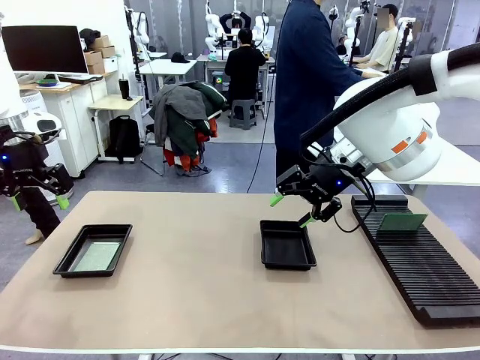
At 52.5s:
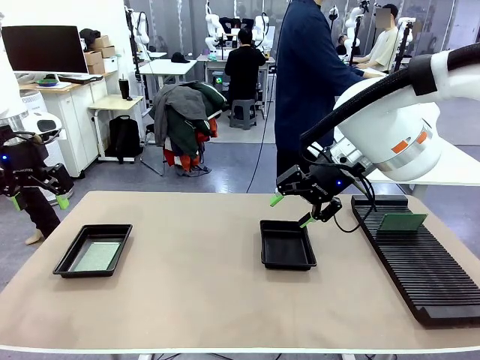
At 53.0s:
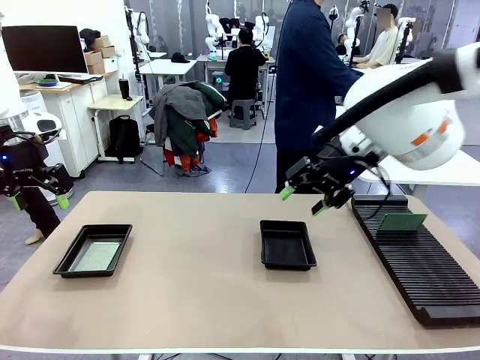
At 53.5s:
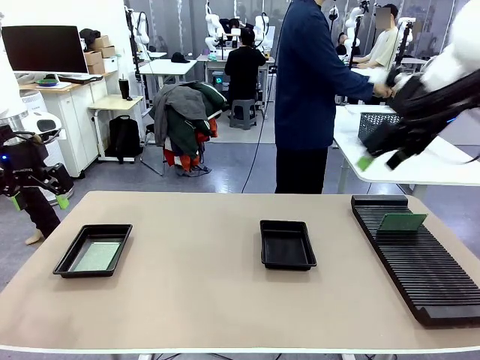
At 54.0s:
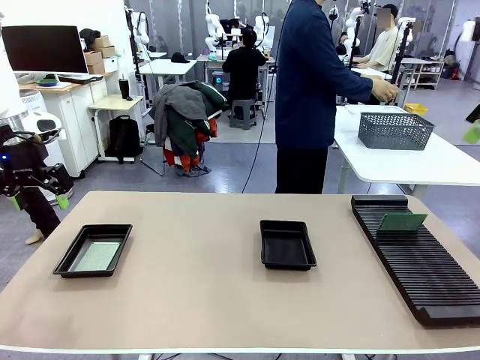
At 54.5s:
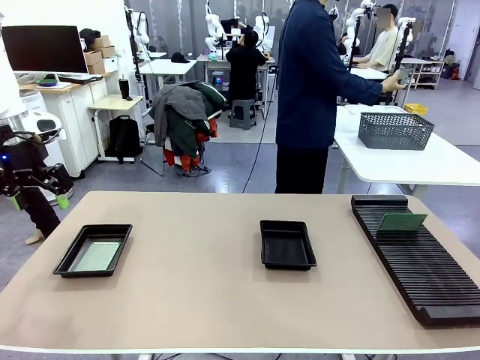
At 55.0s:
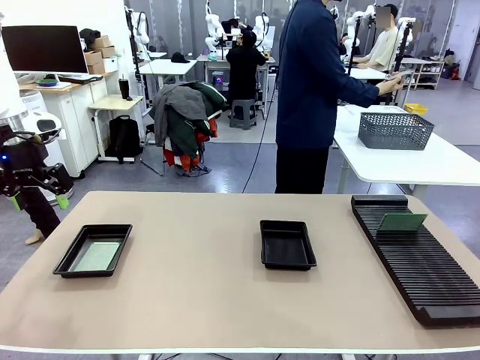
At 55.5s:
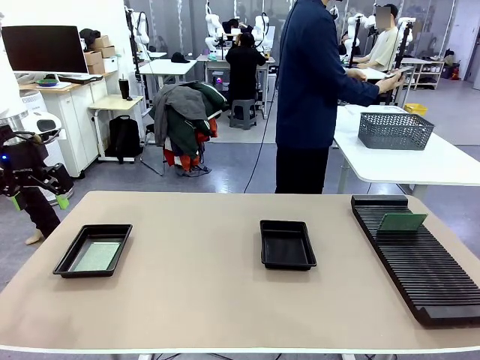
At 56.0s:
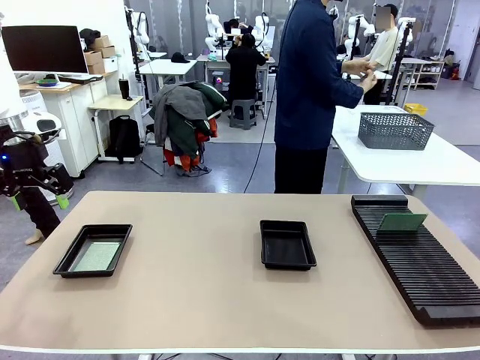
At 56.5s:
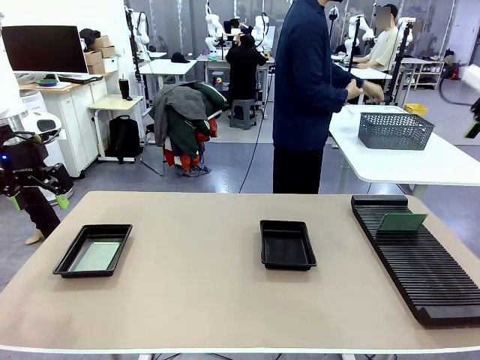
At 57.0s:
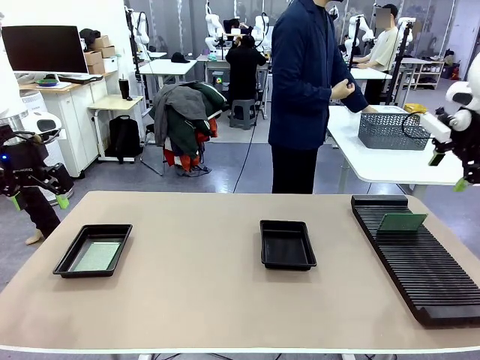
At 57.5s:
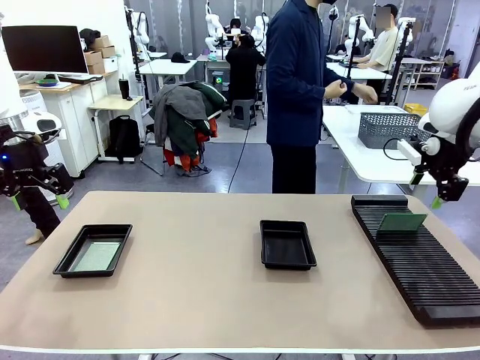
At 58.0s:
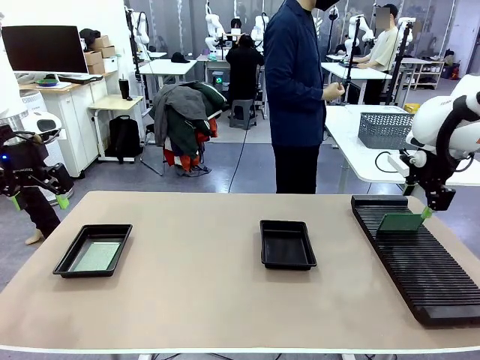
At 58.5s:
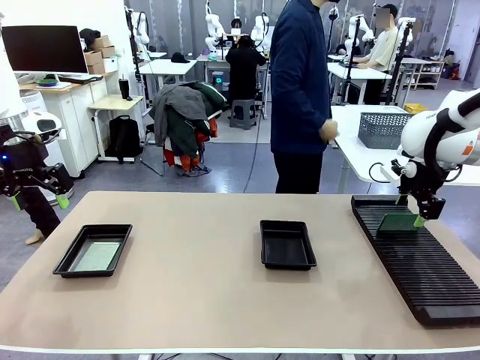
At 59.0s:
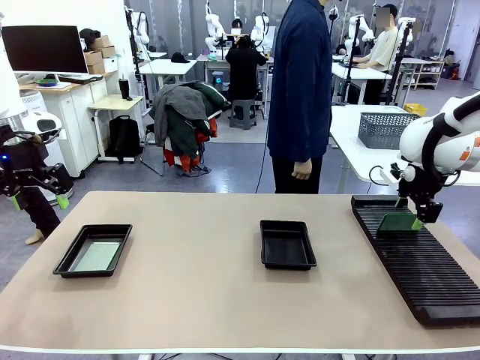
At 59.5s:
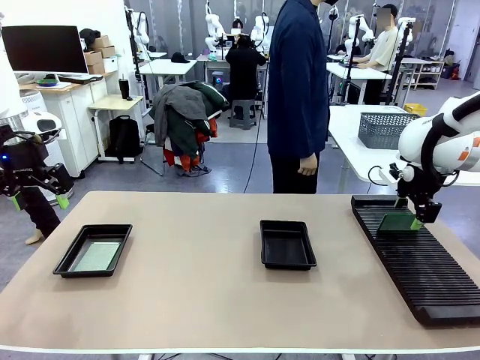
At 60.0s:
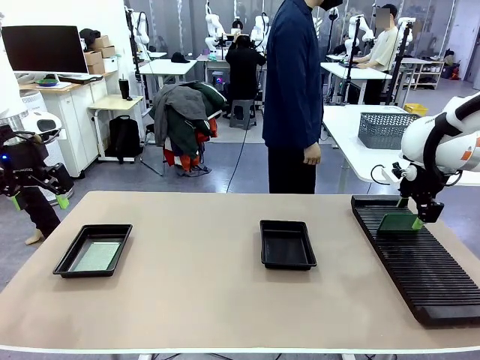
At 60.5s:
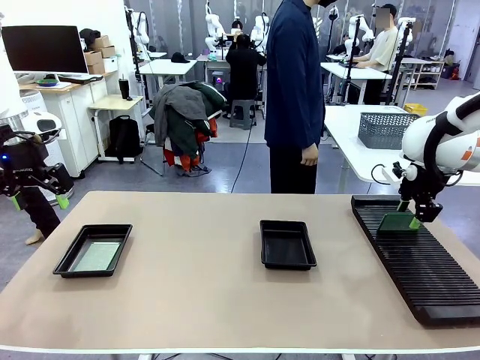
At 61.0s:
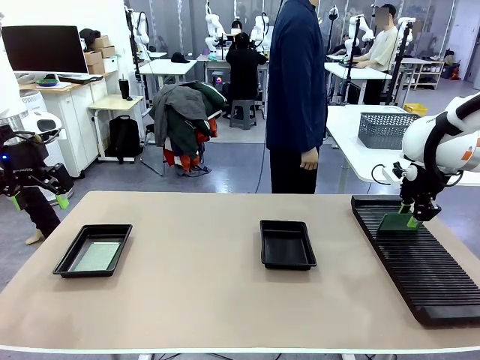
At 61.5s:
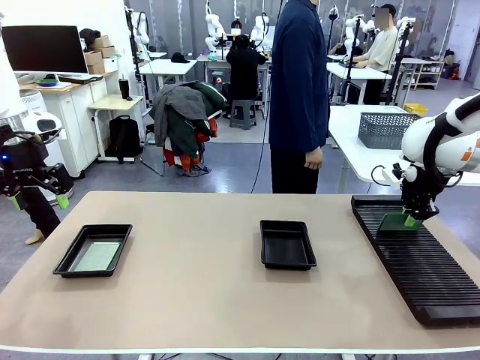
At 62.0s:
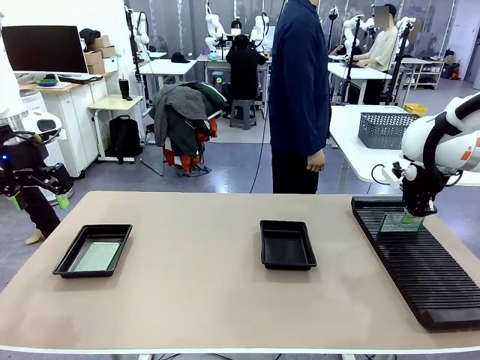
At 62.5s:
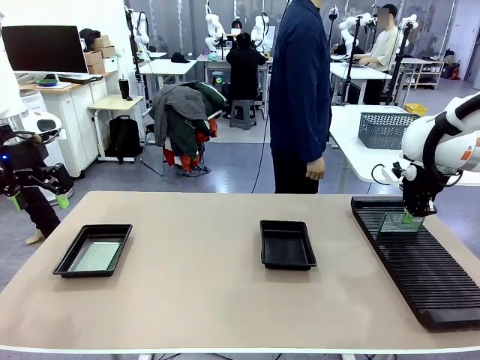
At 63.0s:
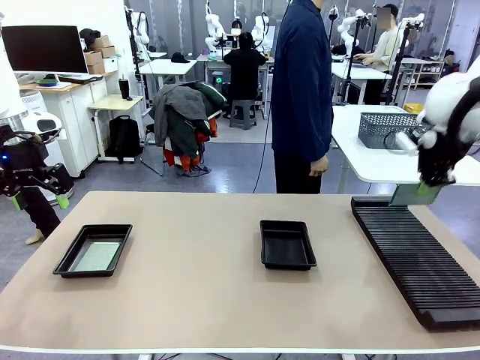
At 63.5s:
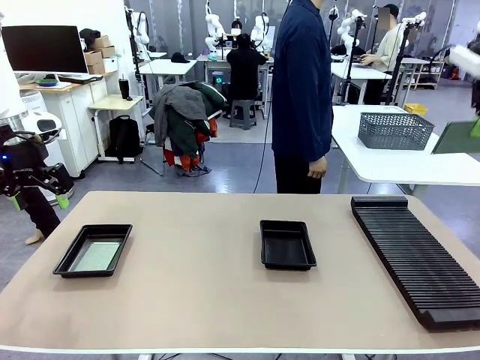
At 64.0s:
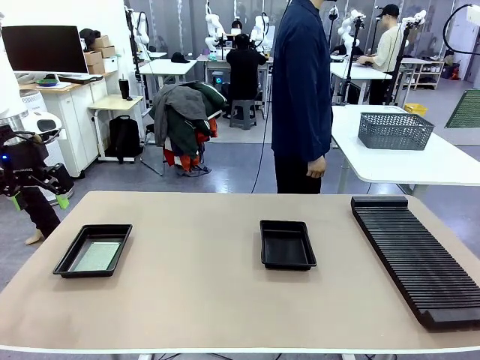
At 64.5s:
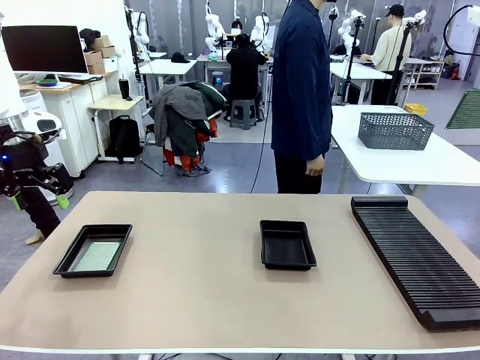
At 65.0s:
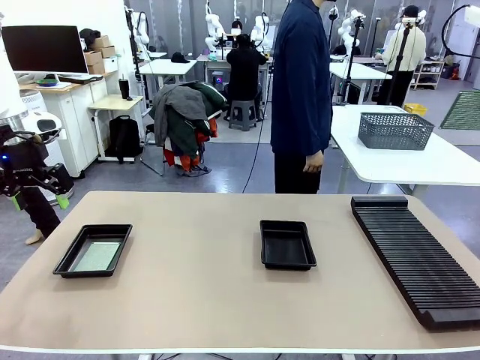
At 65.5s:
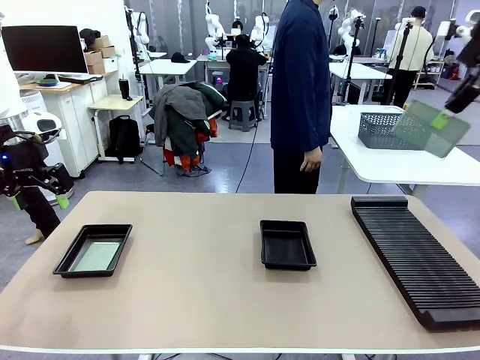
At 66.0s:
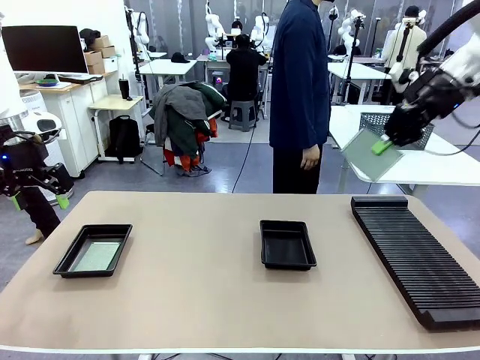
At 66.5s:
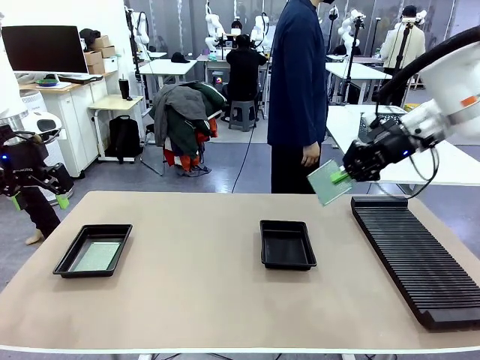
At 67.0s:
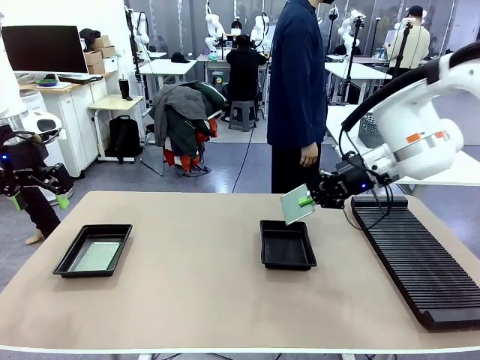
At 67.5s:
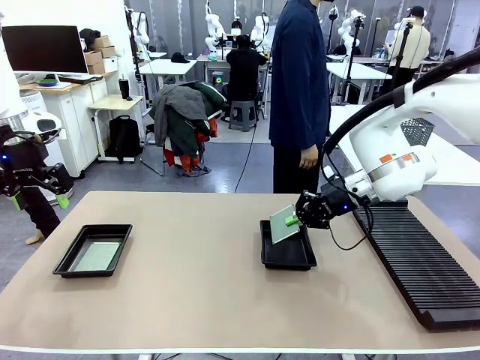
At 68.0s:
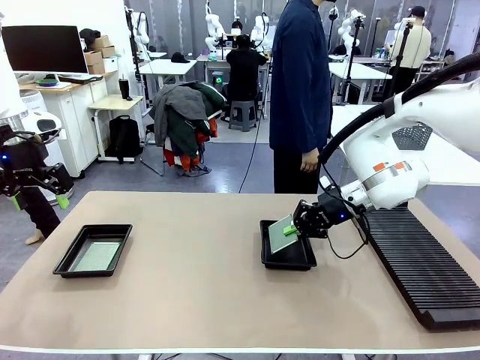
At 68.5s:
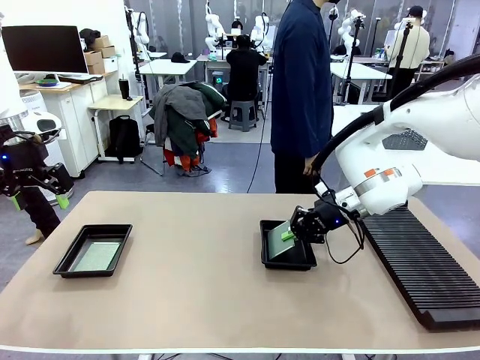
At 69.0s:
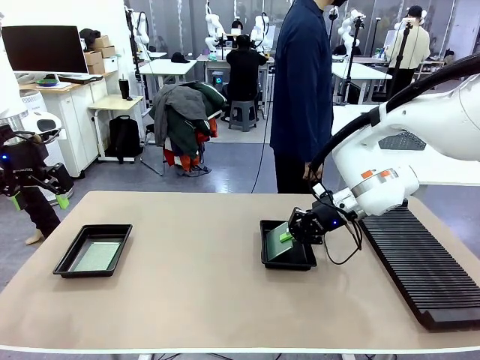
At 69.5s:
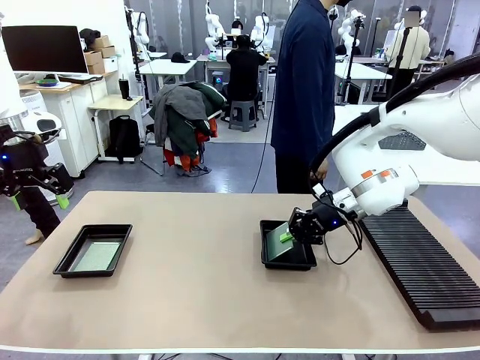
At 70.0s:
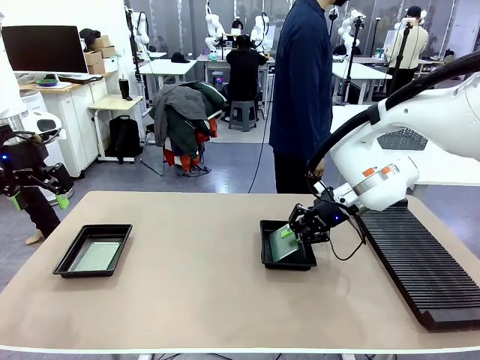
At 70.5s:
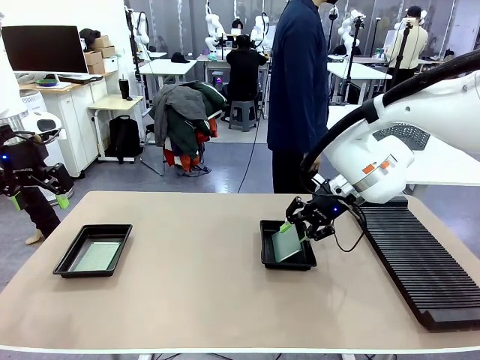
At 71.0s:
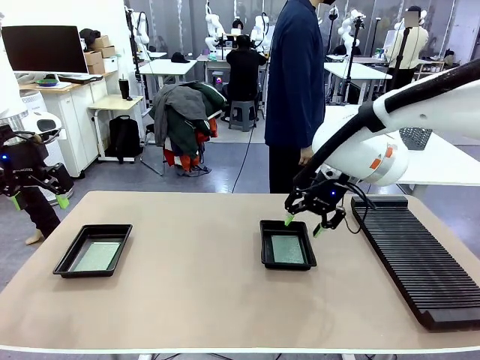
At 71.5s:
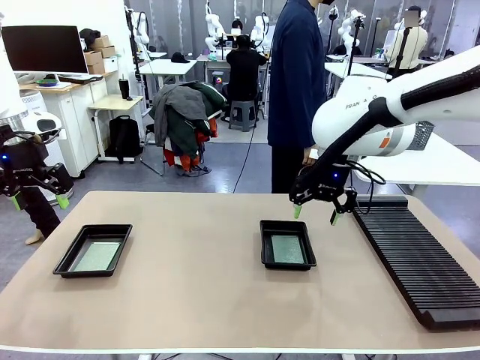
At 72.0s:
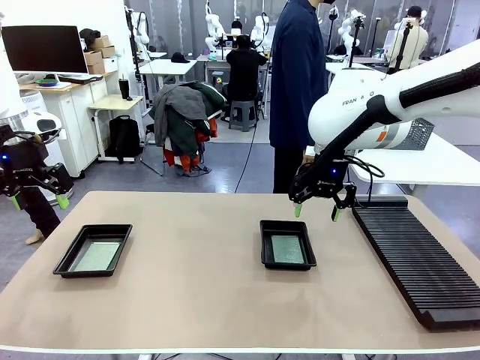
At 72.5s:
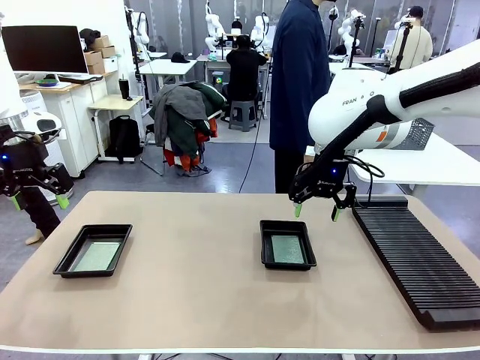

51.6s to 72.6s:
Task: Inspect and transfer BCBs to ESD trays.
Robot: Pick up the Blank PCB from the PCB Rack and place it in the right ESD tray.
